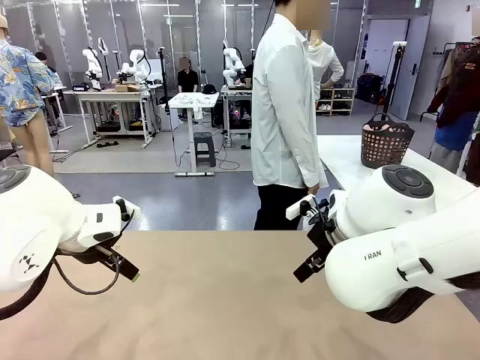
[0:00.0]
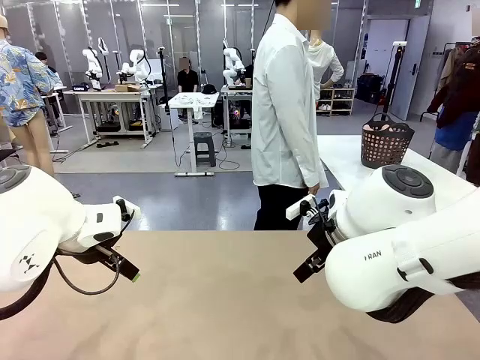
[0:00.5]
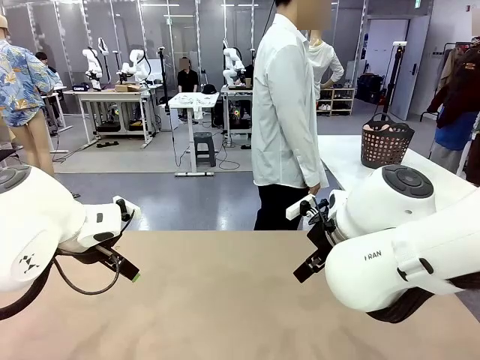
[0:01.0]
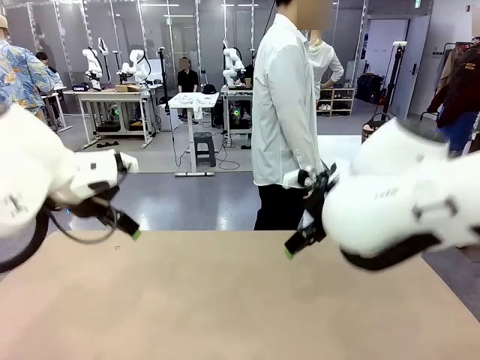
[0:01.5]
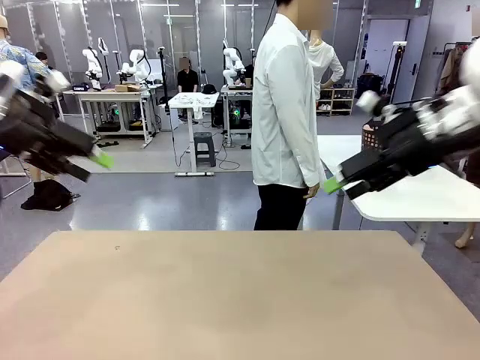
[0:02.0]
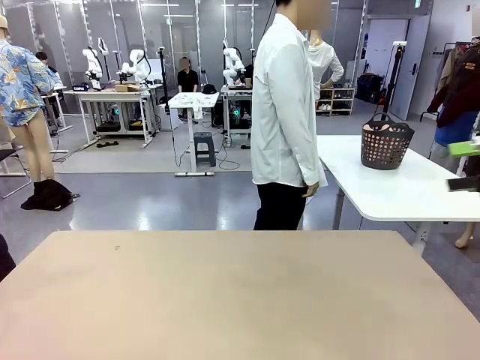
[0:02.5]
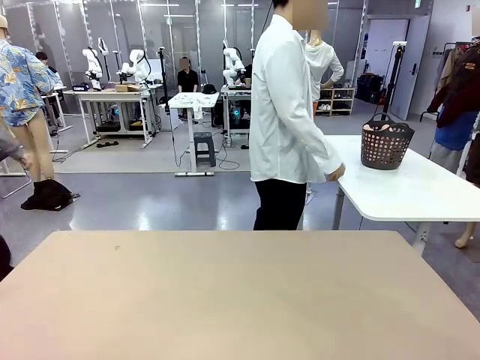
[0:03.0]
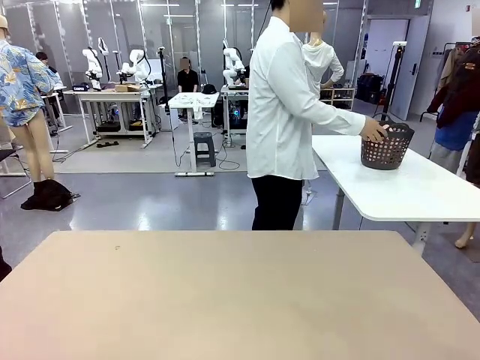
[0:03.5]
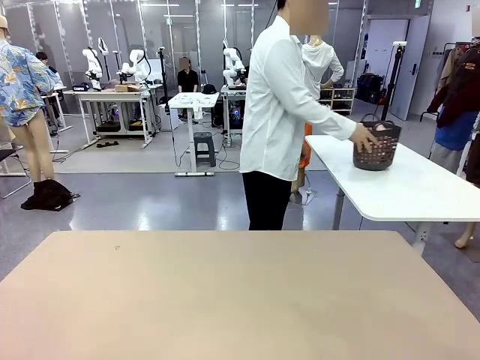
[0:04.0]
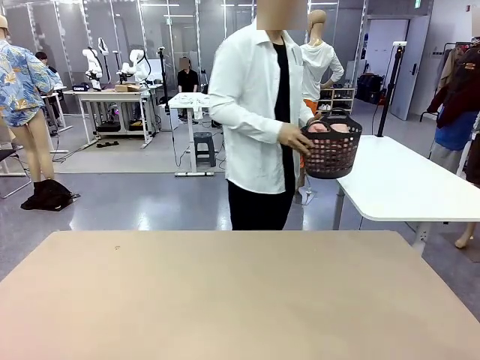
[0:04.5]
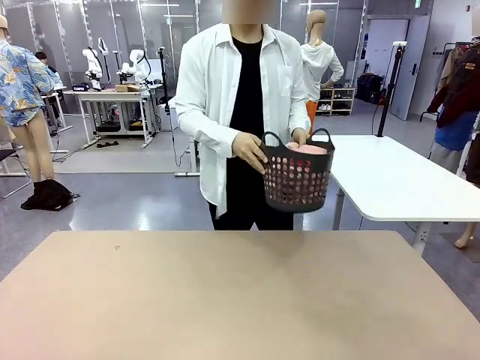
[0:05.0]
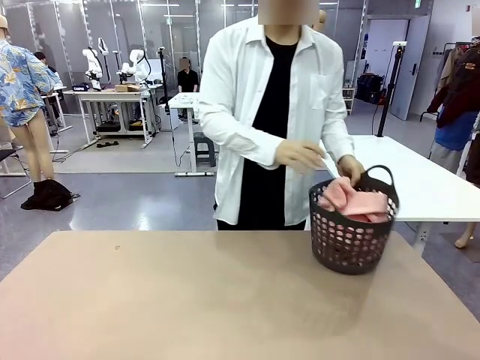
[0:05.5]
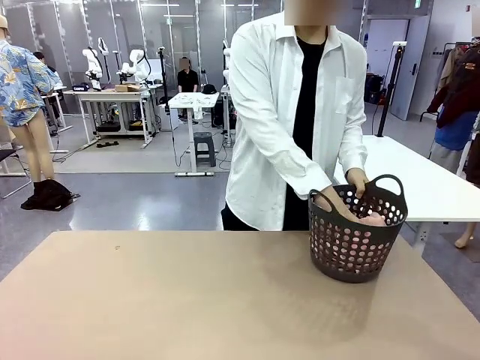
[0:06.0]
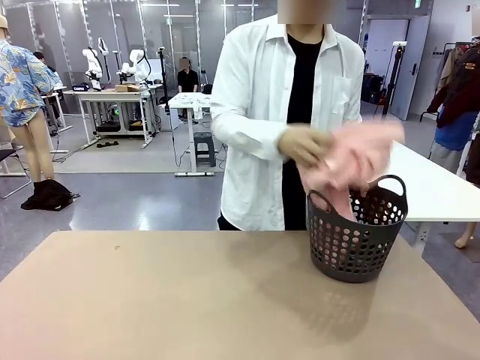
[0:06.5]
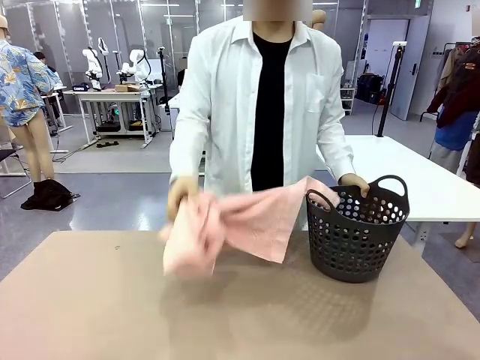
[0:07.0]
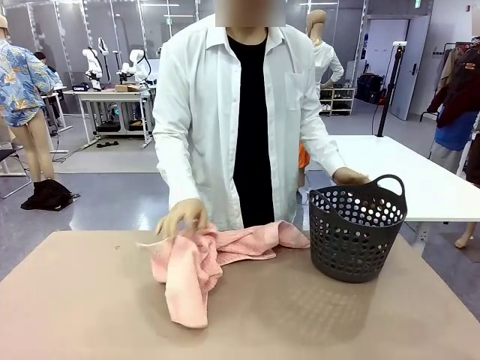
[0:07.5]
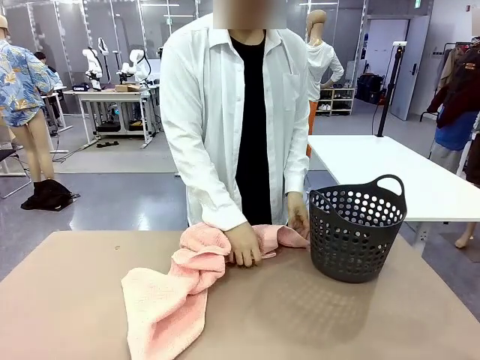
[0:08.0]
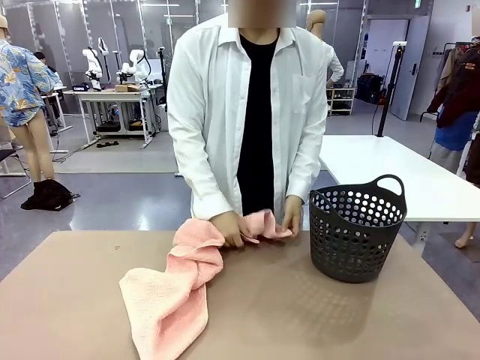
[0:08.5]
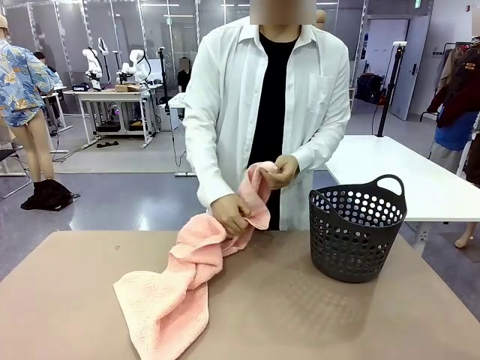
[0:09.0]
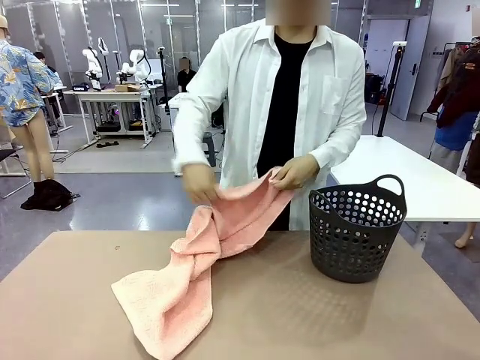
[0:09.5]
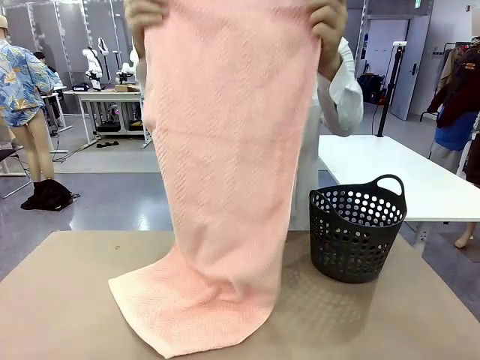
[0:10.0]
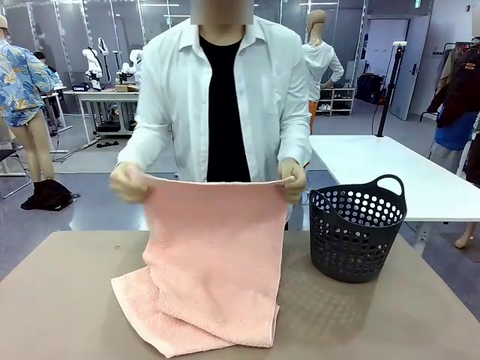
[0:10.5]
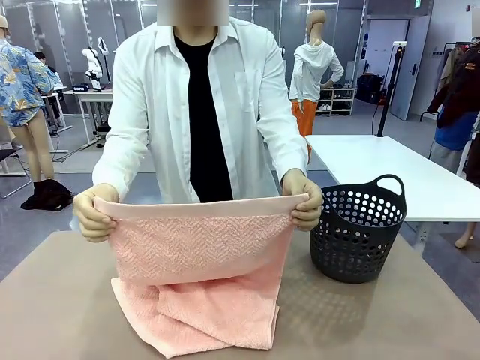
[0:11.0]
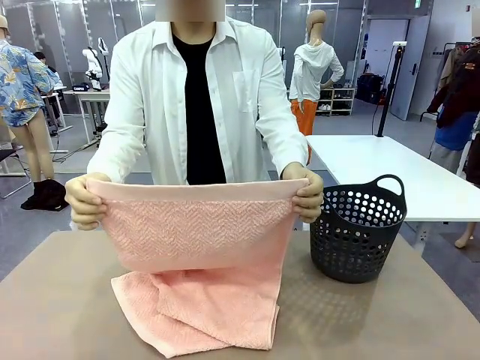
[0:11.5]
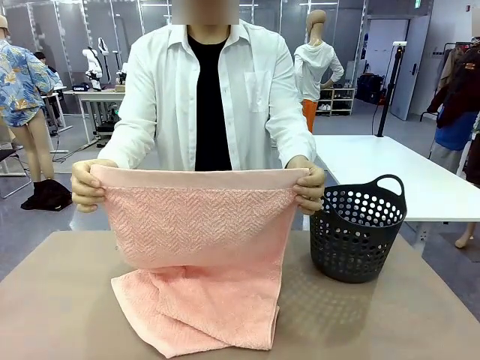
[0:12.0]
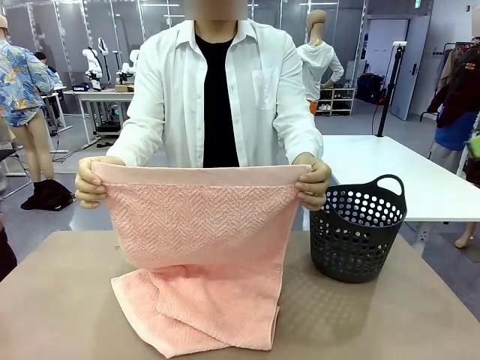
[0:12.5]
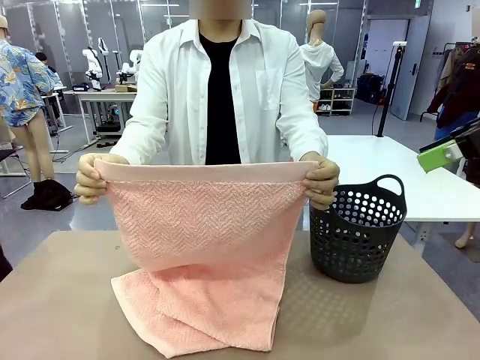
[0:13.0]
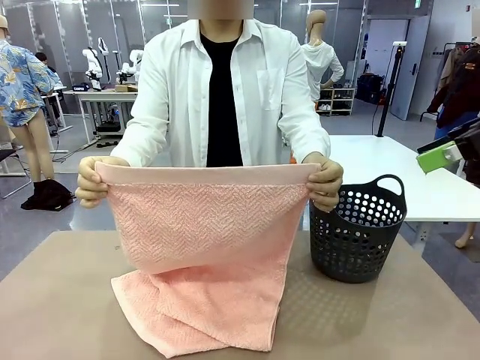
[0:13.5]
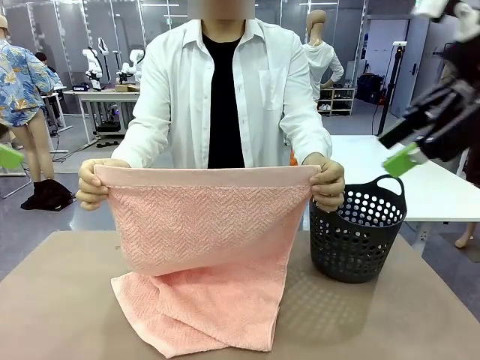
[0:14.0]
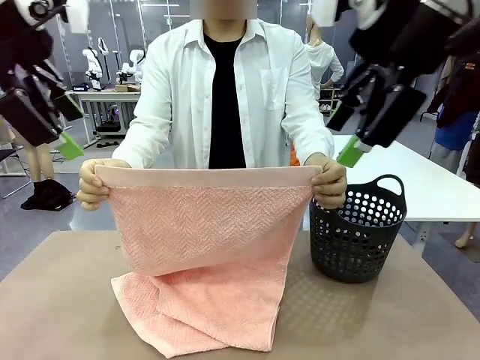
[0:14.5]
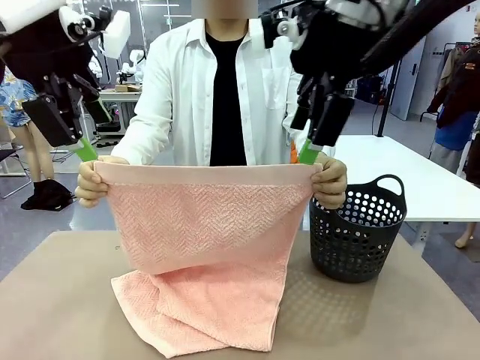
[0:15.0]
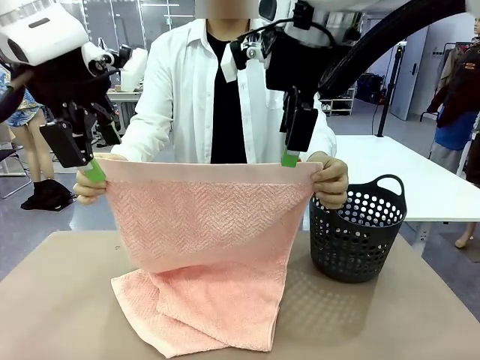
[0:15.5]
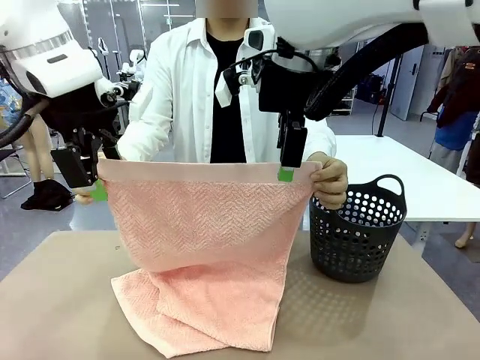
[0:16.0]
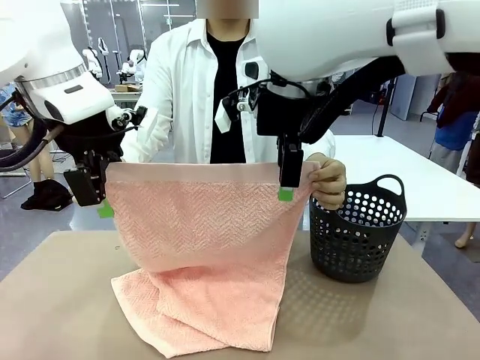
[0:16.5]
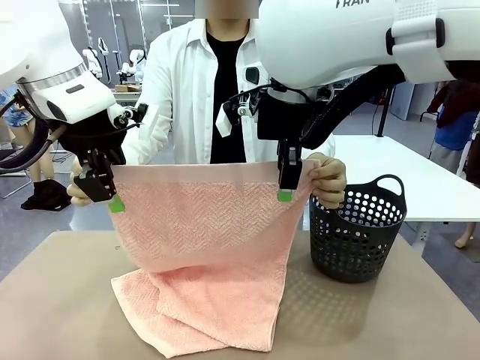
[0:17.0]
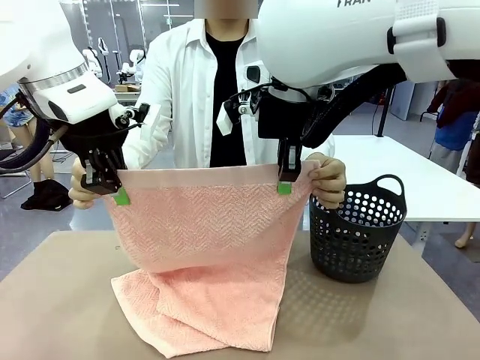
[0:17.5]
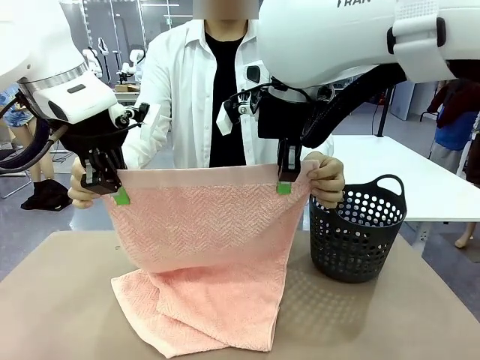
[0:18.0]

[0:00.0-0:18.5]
Task: Fold the towel.
Robot: Grab the top end of the 100 cm Hotel Towel extended by the human.
Person: Pick up the laundry basket, place it on the left side of the robot table, then take out a towel and hand it to the robot while holding both corners of one end.

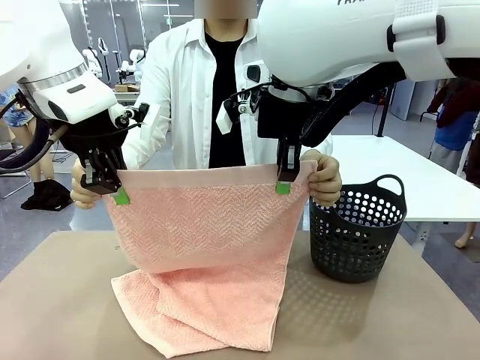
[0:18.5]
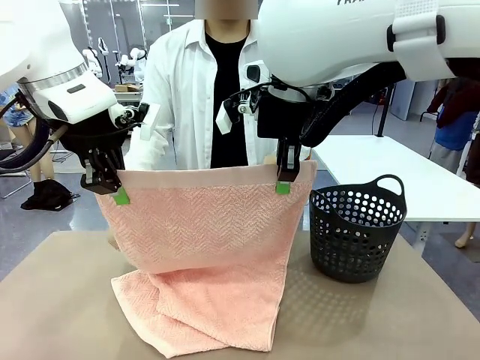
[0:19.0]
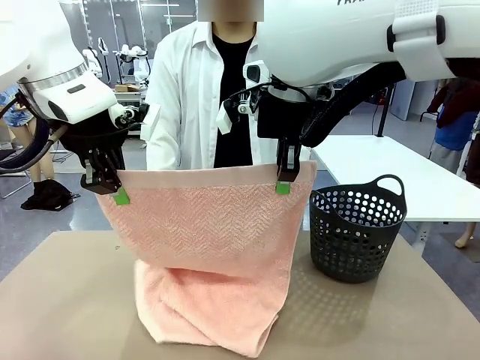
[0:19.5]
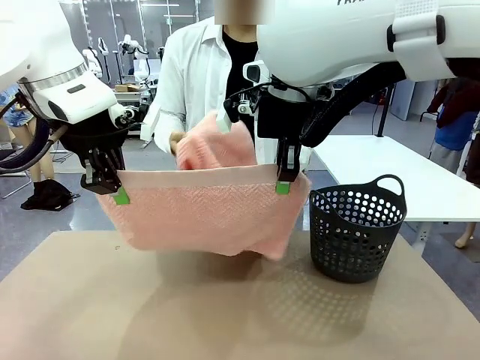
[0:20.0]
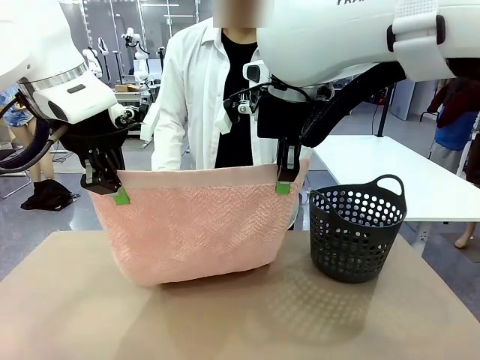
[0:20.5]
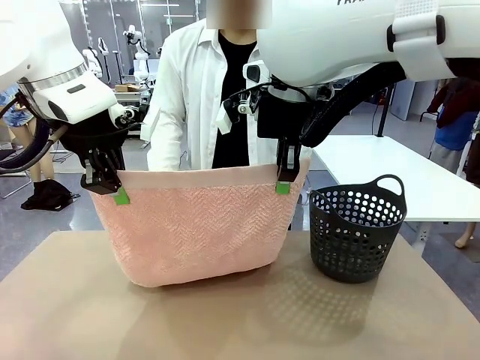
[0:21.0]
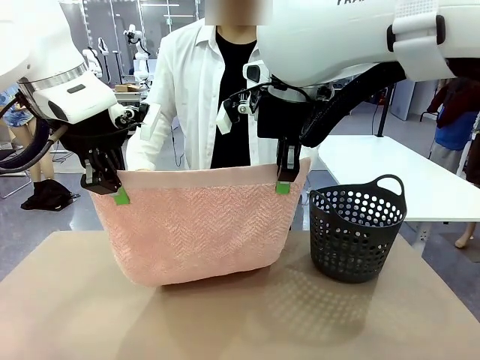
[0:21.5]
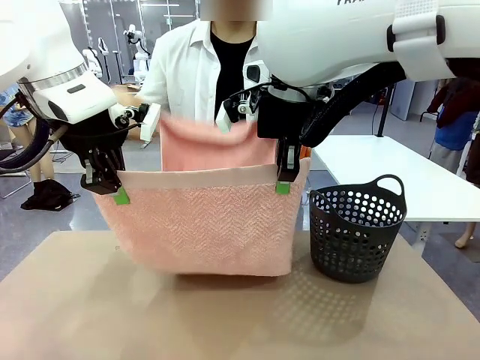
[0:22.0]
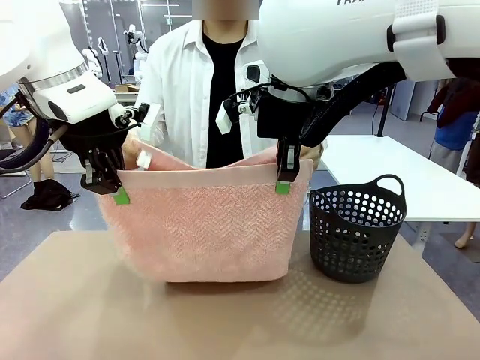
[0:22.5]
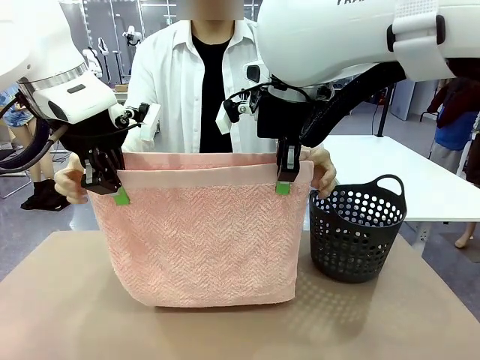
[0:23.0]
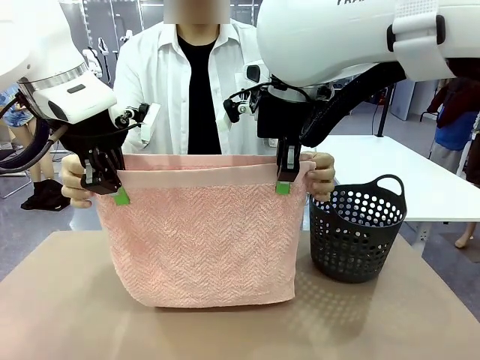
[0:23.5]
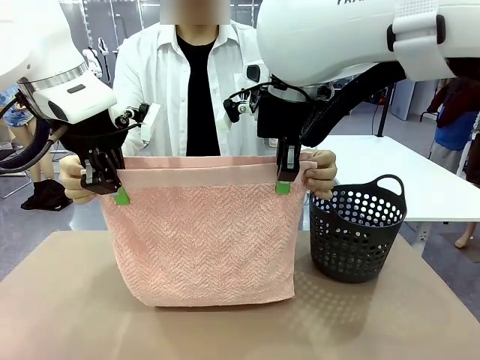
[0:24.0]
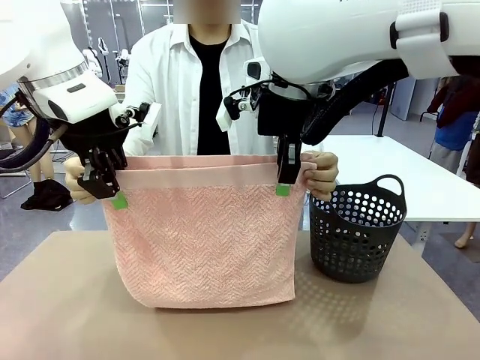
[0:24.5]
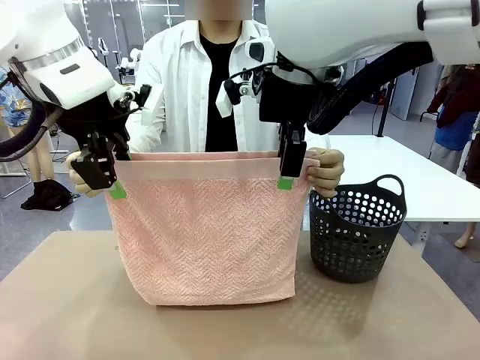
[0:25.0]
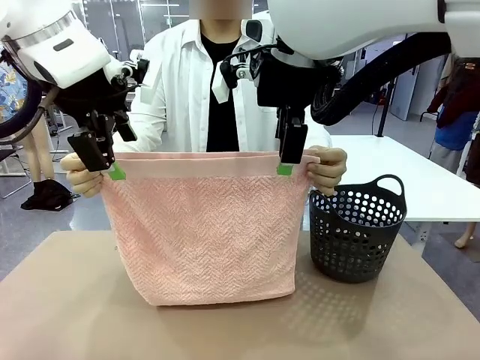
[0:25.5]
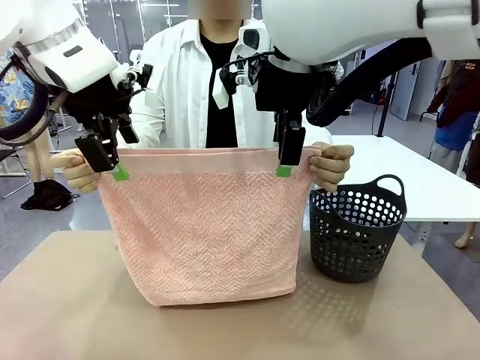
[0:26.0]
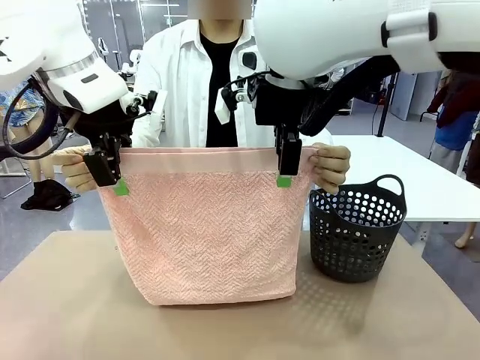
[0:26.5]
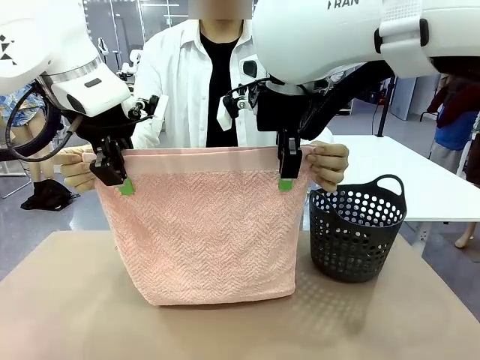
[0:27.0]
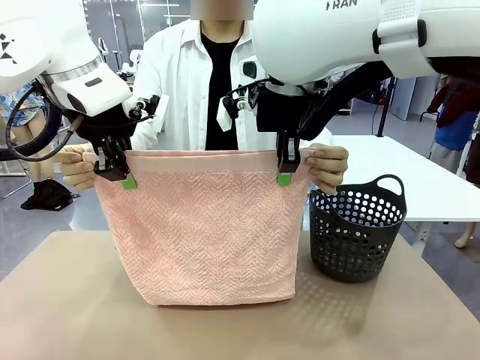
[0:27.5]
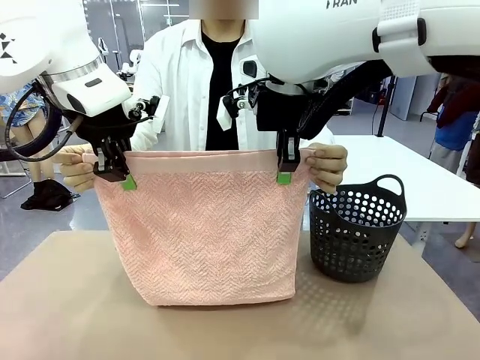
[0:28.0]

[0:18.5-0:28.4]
Robot: Release the end of the 100 cm Hotel Towel you were holding and grab the top end of the folded side.
